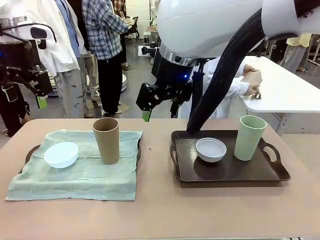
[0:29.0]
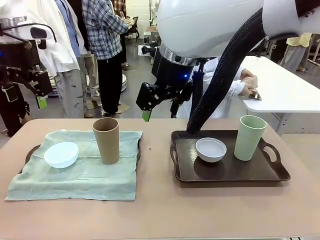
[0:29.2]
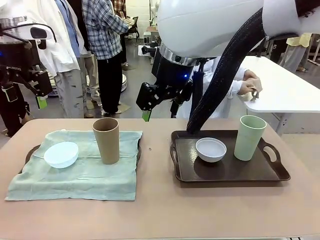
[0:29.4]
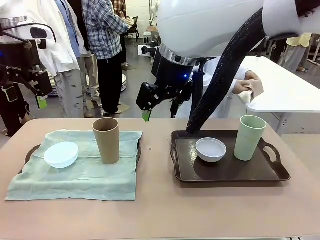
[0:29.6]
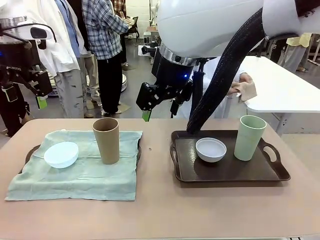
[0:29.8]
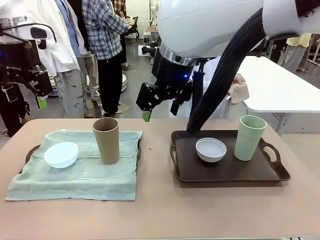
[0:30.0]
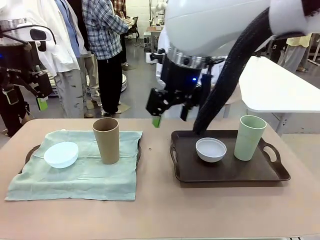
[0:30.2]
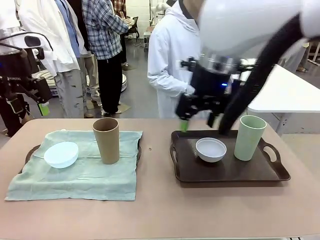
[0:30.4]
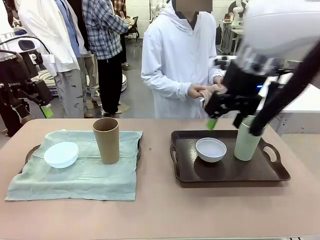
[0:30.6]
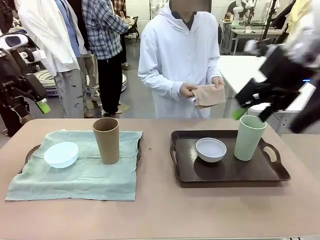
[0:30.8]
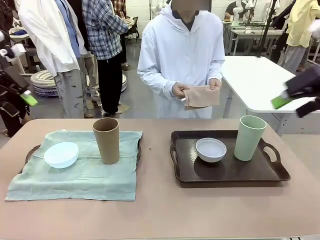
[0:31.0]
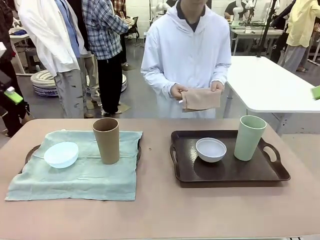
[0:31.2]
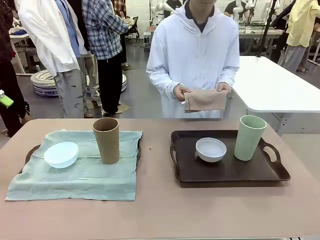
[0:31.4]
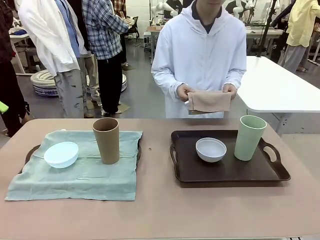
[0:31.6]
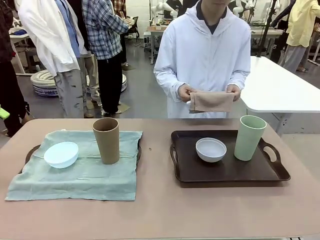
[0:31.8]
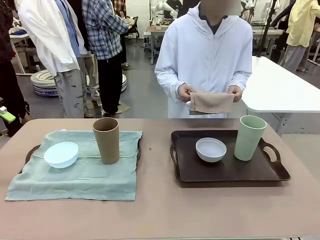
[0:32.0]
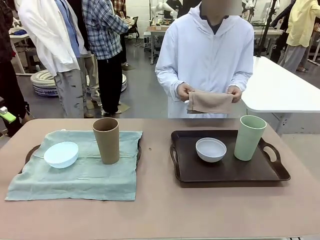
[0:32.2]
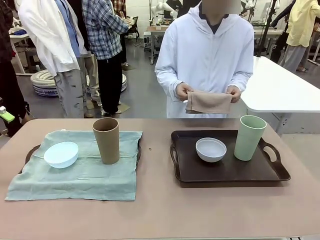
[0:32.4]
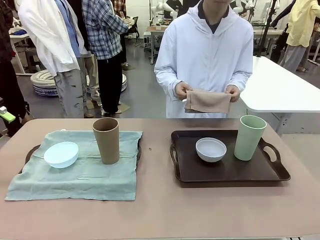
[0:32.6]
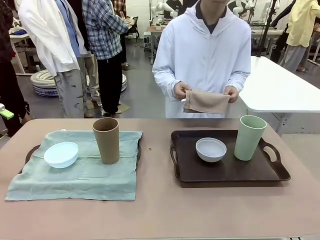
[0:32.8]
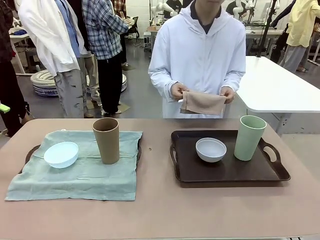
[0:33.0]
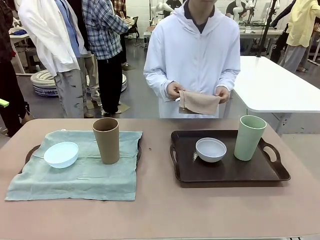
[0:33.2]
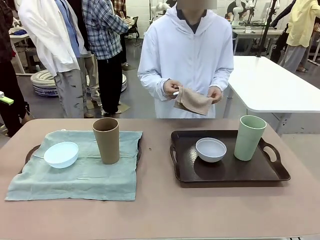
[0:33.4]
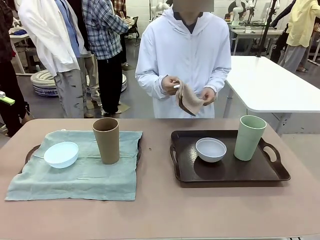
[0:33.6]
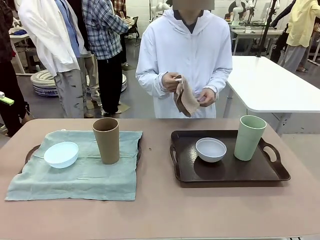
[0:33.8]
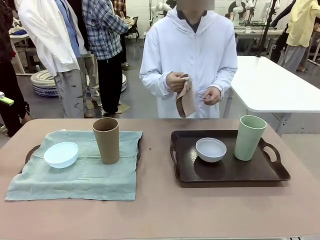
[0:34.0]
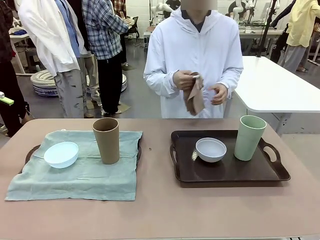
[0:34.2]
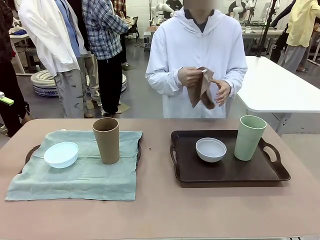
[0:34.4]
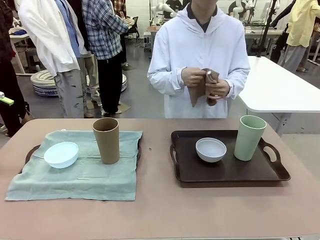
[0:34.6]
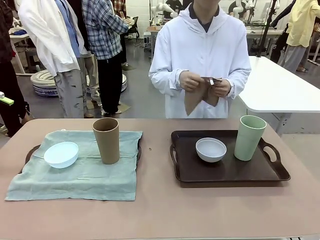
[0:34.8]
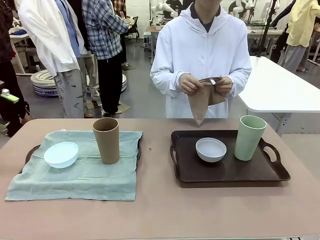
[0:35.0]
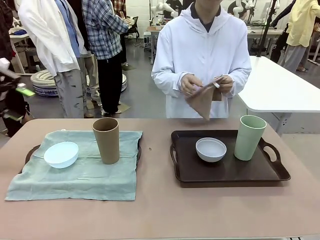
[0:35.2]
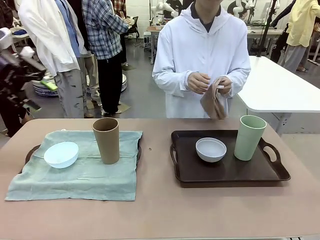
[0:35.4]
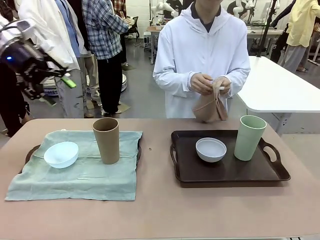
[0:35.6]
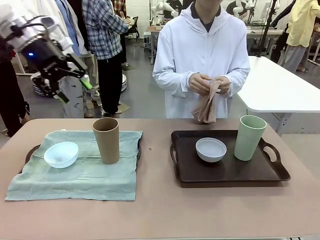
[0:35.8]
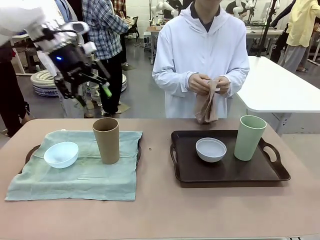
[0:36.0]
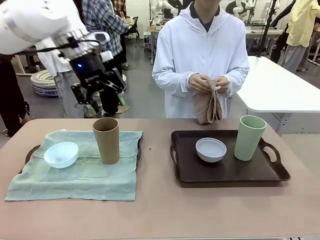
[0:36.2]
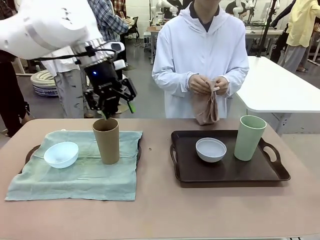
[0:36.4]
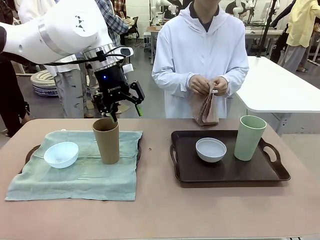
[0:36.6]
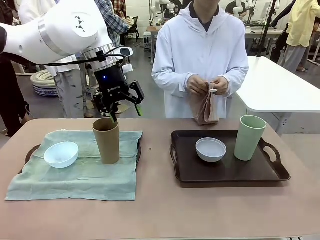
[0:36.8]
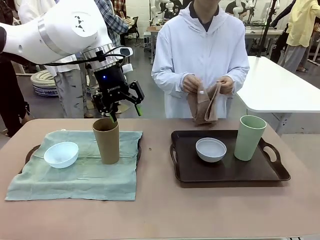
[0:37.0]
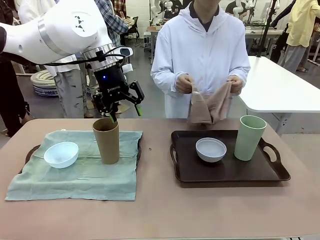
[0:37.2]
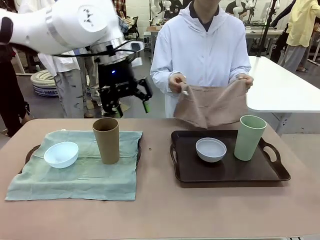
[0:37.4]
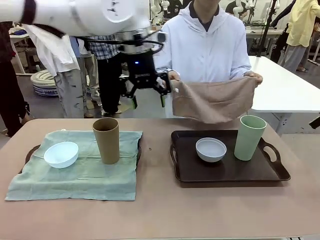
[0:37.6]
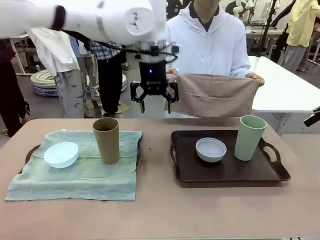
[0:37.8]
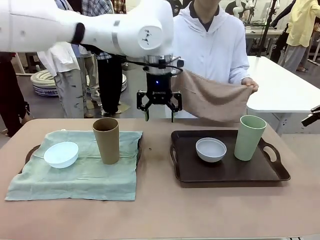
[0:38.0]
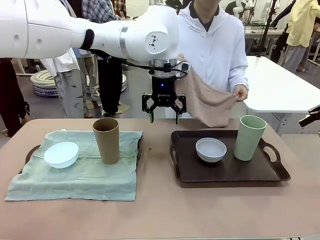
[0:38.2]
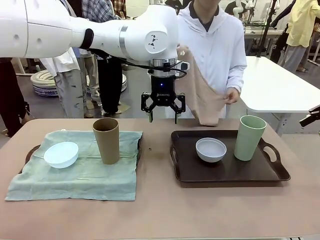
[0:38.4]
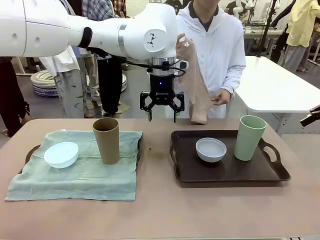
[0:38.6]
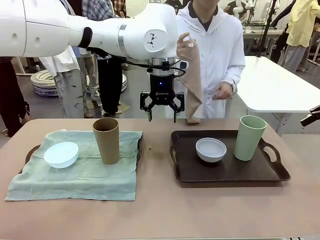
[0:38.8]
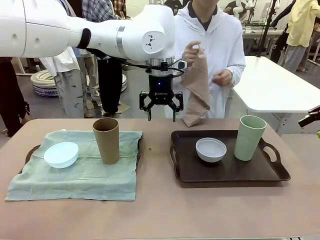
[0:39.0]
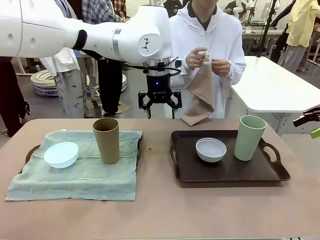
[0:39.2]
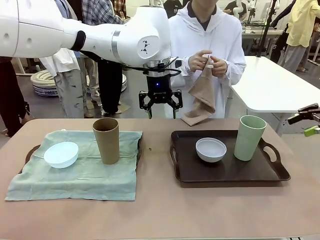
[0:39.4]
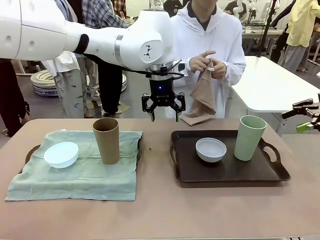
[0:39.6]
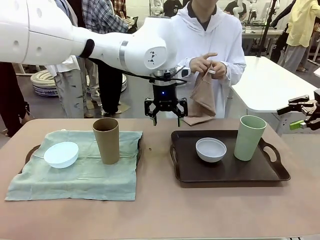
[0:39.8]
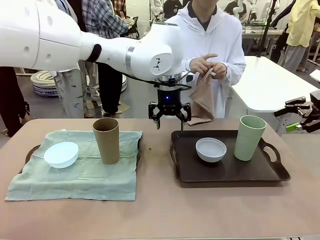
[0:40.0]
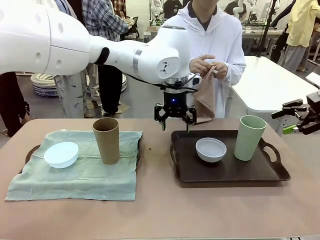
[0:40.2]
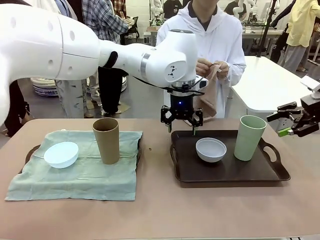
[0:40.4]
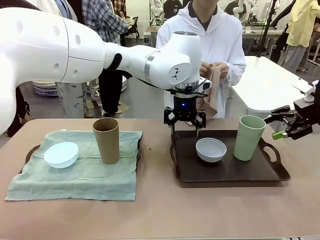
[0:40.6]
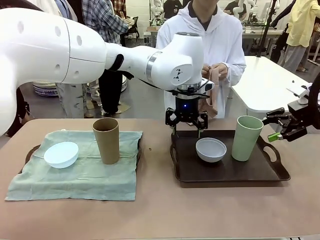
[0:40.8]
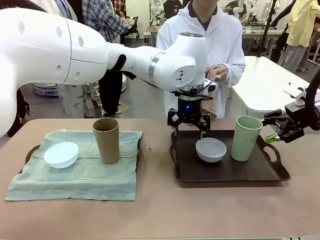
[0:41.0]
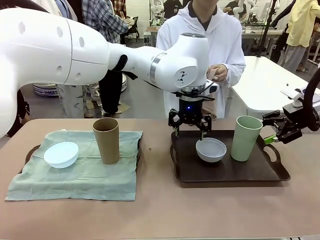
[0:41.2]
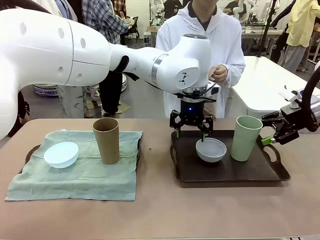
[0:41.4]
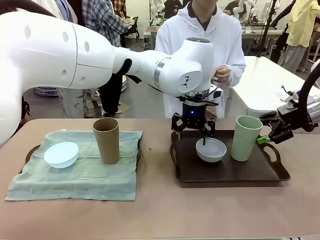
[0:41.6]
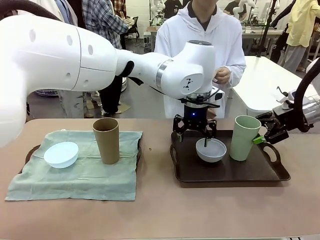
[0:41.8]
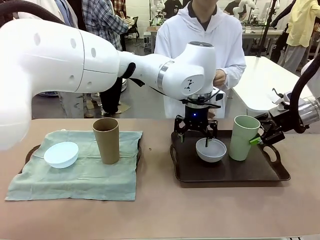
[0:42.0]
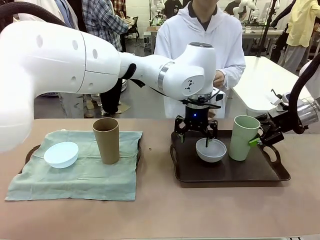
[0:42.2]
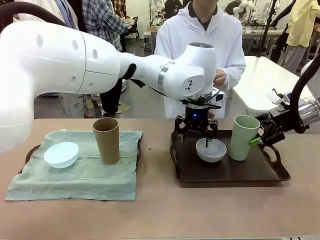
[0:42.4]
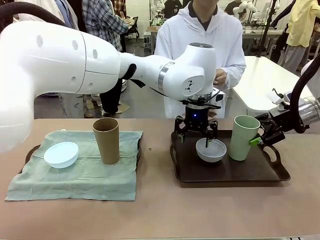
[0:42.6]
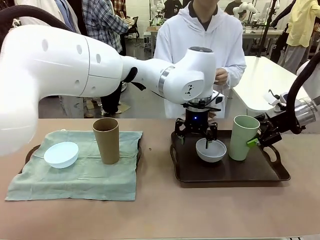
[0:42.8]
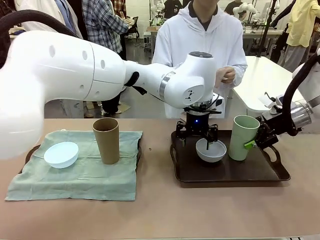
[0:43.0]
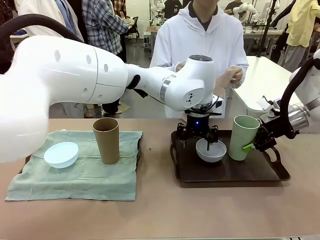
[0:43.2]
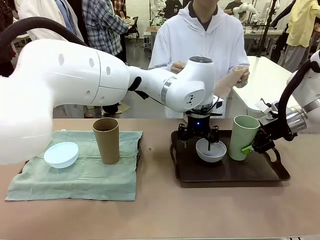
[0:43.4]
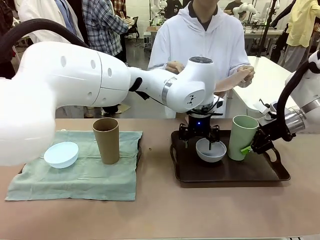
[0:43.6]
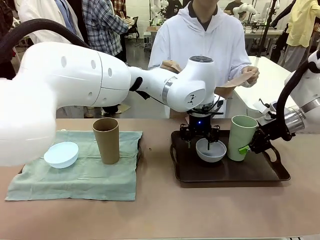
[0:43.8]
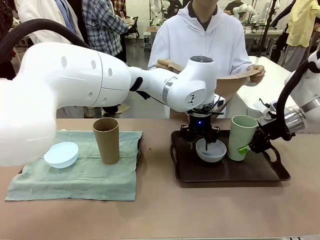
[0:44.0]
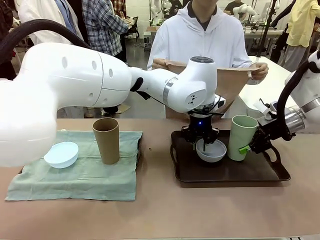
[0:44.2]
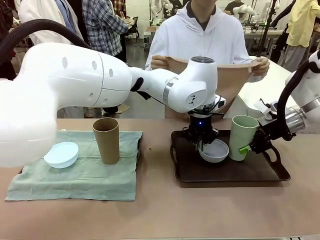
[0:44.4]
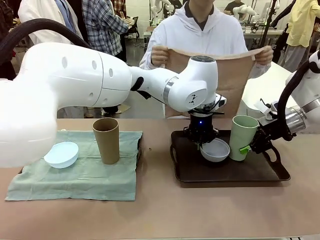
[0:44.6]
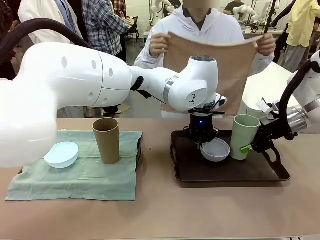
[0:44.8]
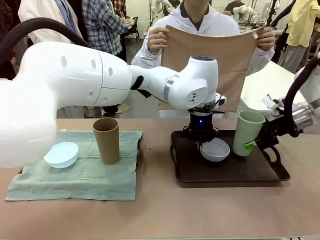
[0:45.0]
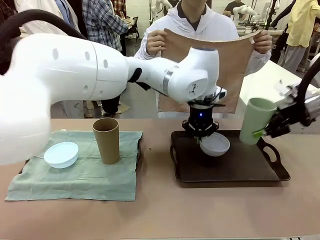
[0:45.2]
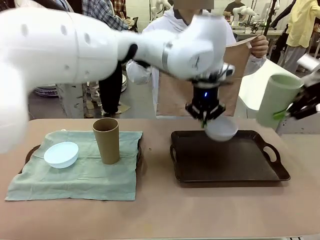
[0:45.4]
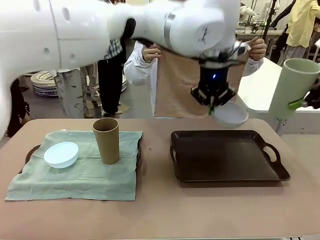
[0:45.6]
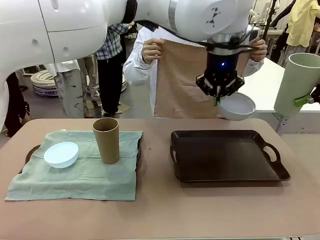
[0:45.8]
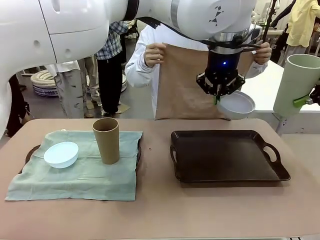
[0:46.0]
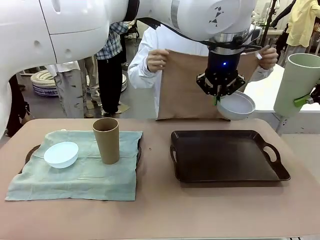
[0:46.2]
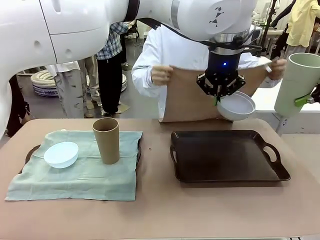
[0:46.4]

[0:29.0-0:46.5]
Robot: Pick up the Picnic Bowl and Reusable plastic cup from the Handle tray in front of the human's position and hold them in the air.
Person: When the robot lifts the bowl and the cup, the human unfolds the napkin and lays the napkin flat on the tray.
